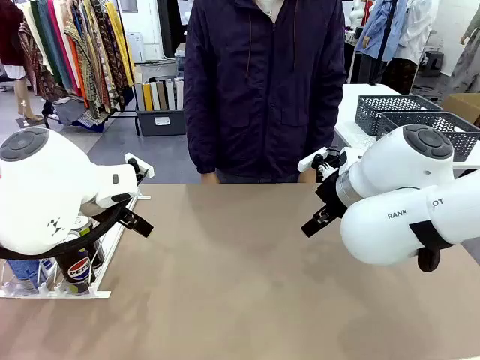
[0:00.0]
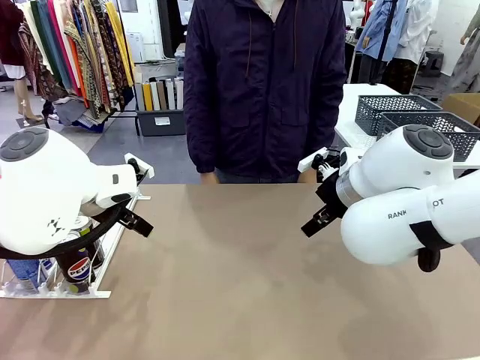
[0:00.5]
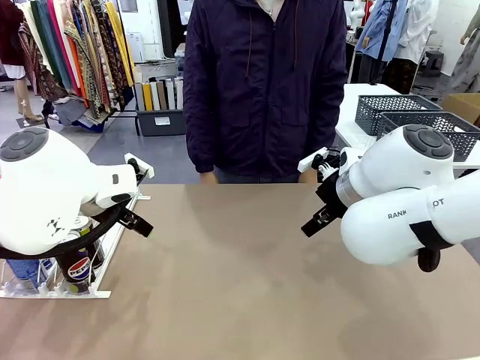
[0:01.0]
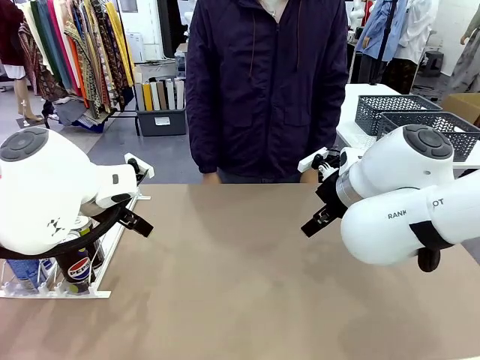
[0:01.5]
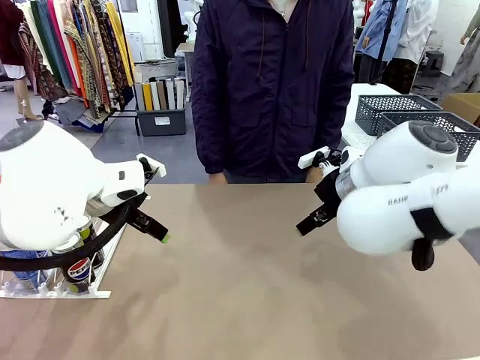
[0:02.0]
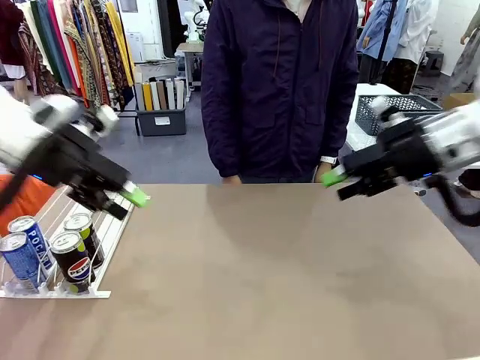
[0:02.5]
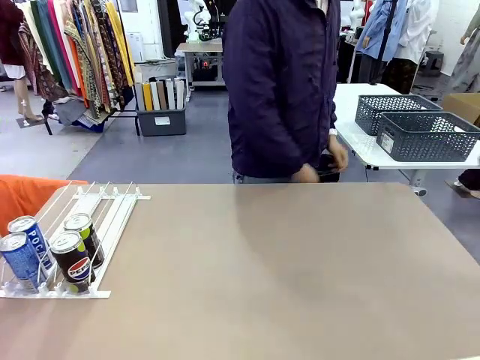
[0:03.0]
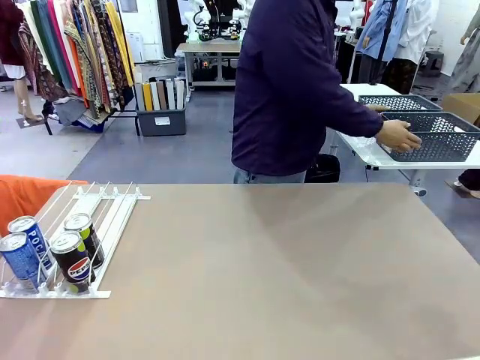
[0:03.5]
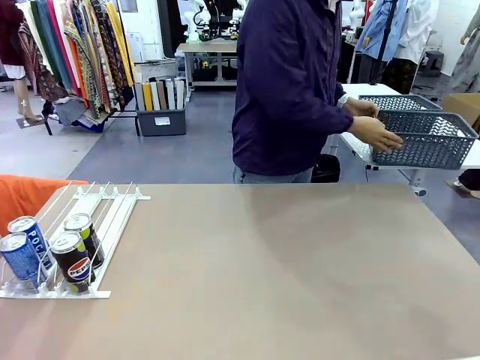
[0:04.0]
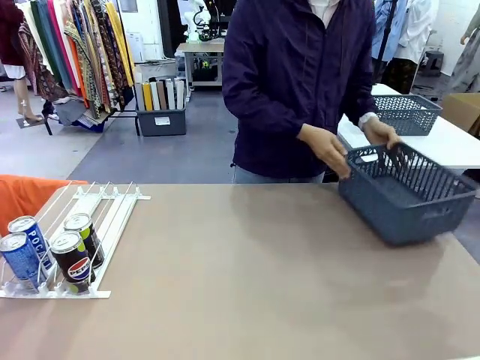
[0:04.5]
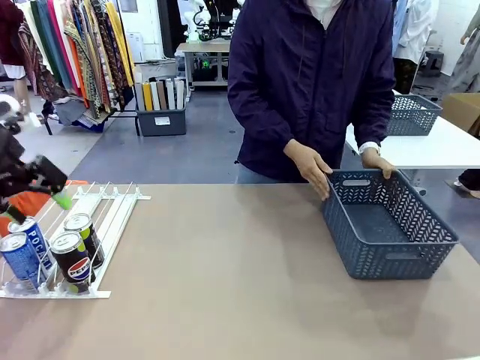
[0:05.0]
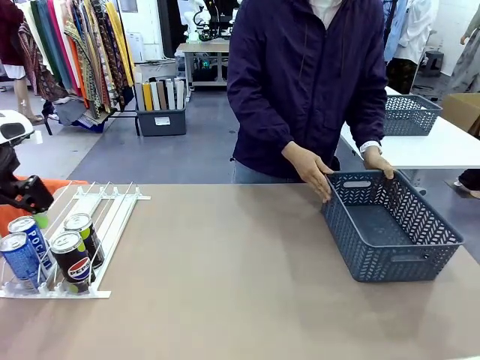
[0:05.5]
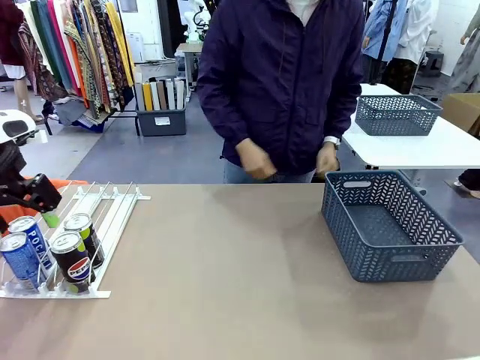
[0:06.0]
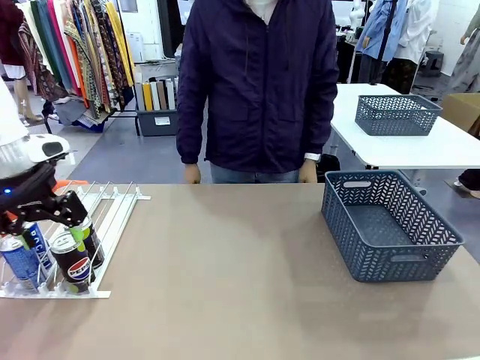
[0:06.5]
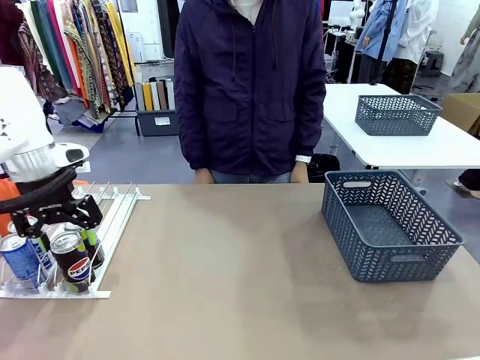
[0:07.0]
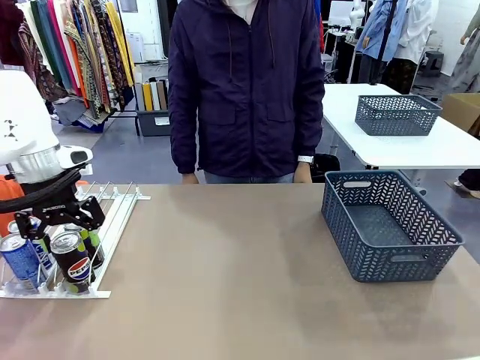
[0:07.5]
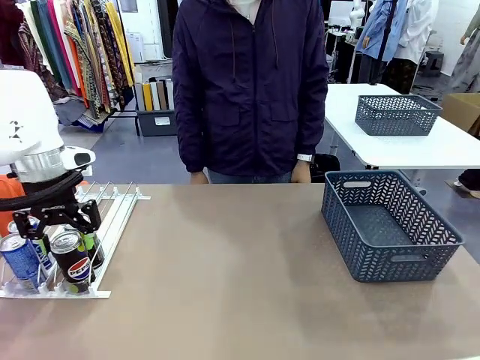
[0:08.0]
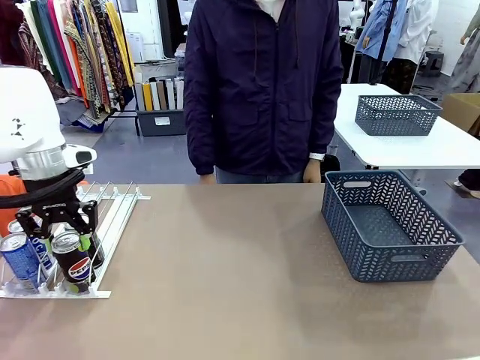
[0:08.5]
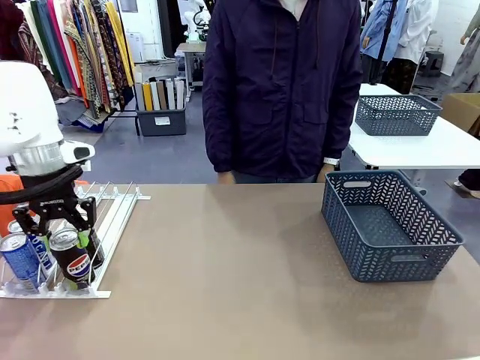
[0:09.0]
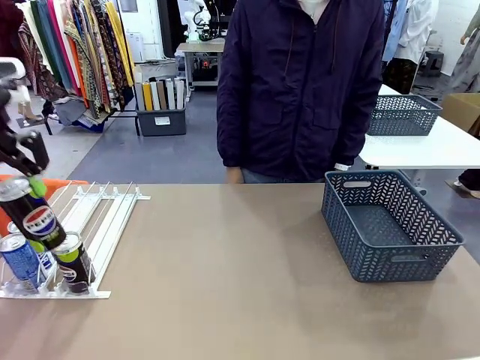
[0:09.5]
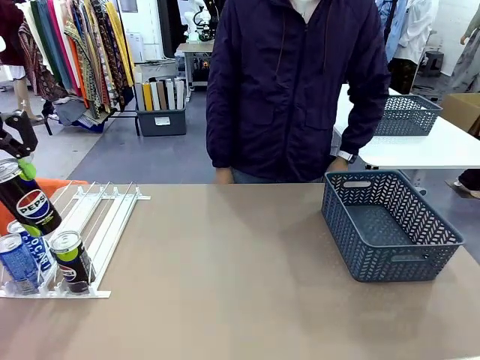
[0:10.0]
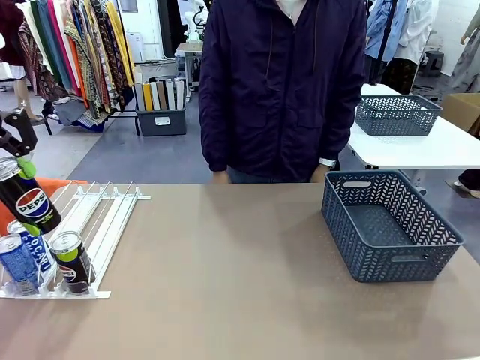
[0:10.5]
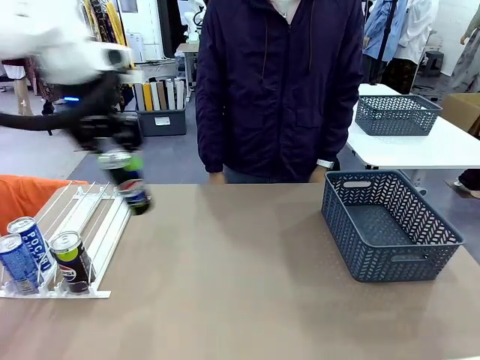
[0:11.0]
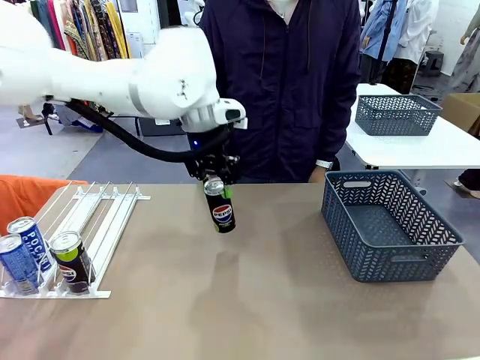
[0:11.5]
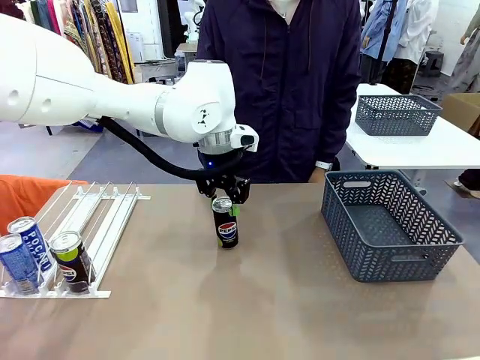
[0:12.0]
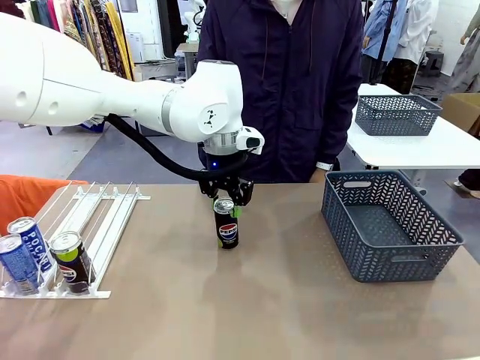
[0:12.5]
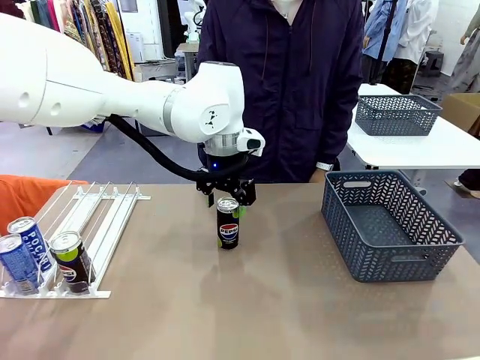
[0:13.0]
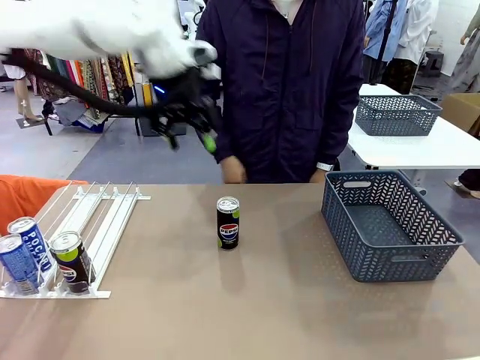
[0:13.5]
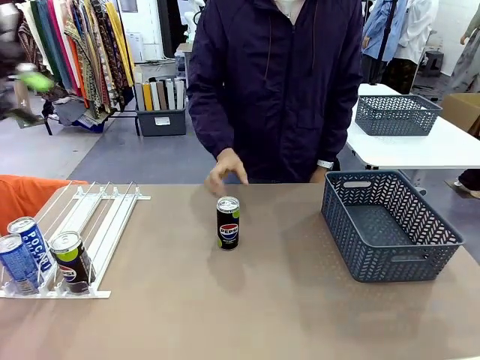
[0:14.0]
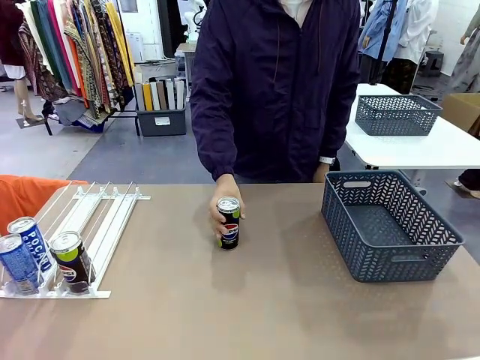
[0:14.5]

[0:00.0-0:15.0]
Task: Retrieve and store the cans from the dispenser.
Robot: Pick up one can from the Automatic Can Dispenser and place it in the middle of the table.
Person: Pick up the basket and place it on the left side of the robot table.

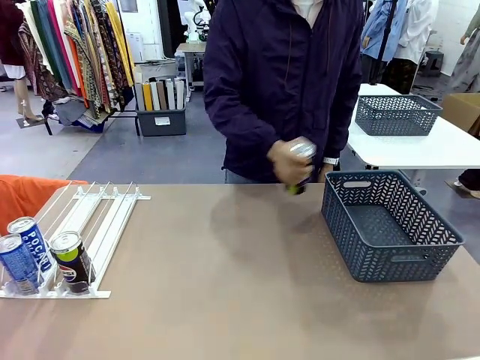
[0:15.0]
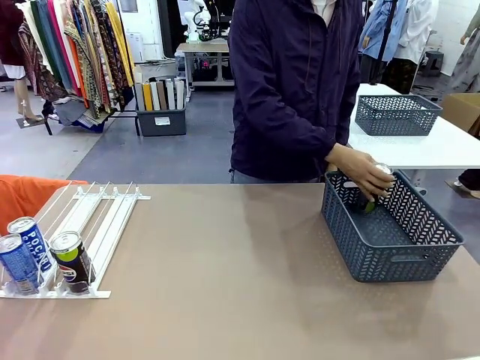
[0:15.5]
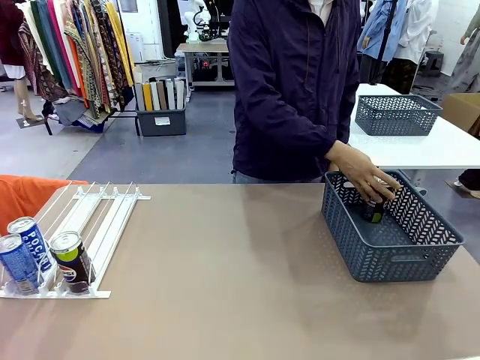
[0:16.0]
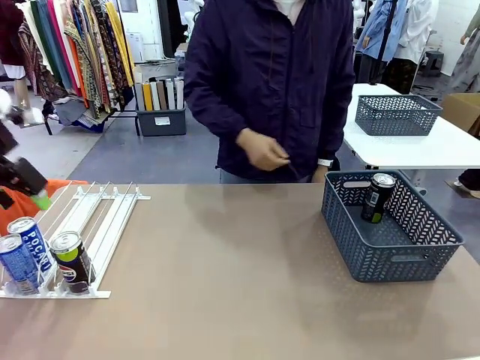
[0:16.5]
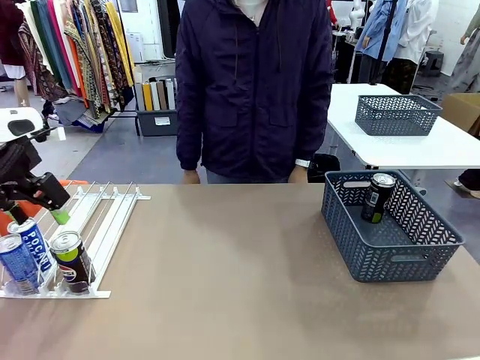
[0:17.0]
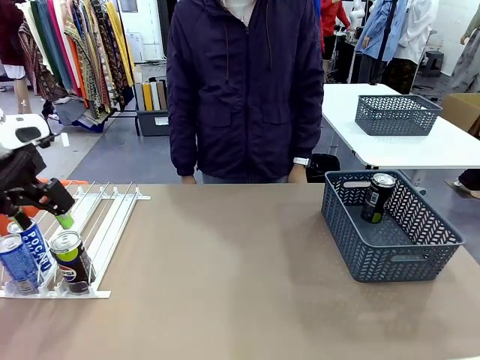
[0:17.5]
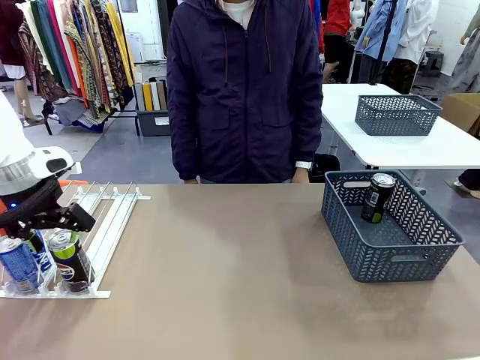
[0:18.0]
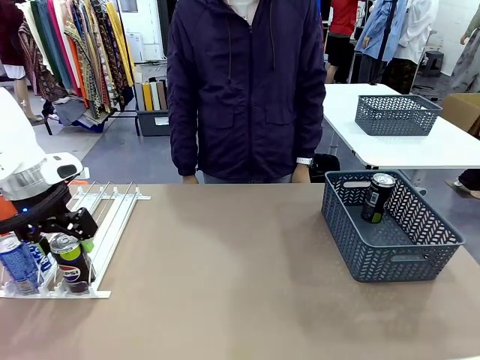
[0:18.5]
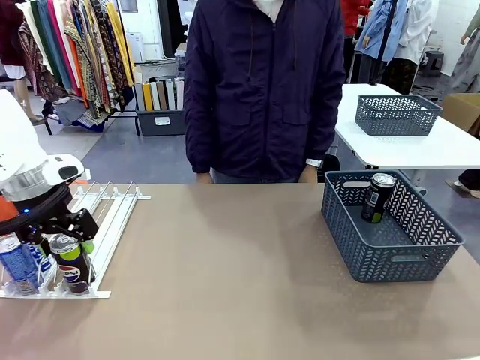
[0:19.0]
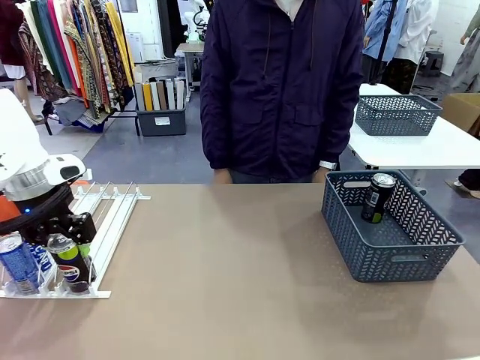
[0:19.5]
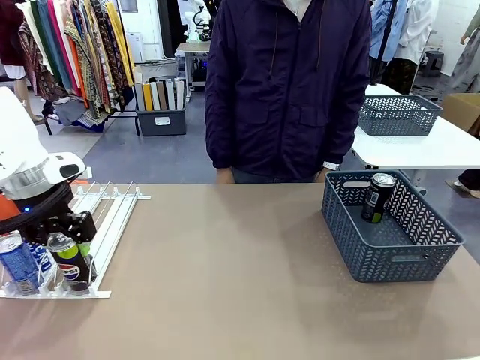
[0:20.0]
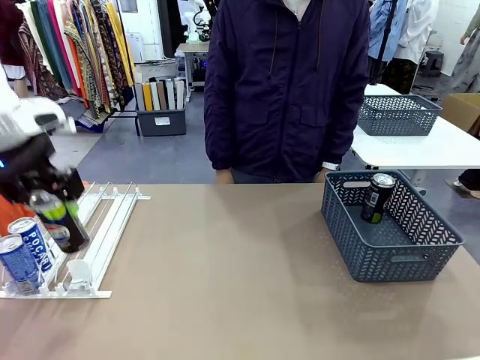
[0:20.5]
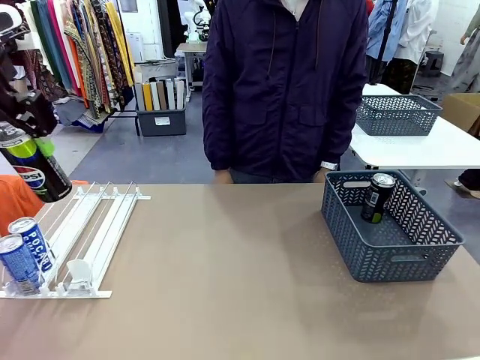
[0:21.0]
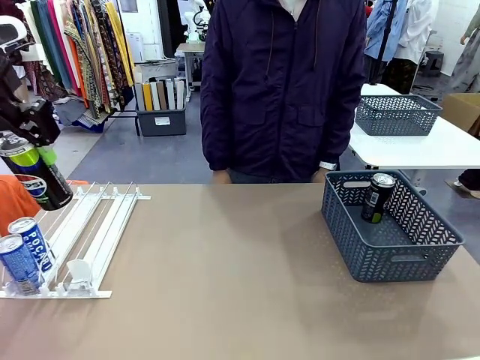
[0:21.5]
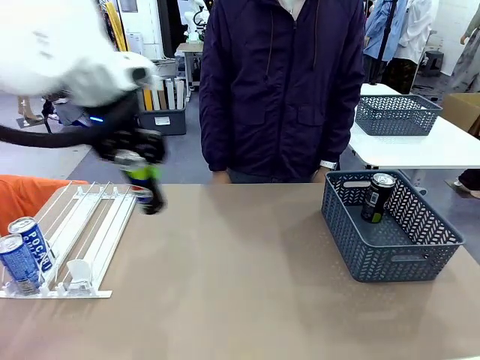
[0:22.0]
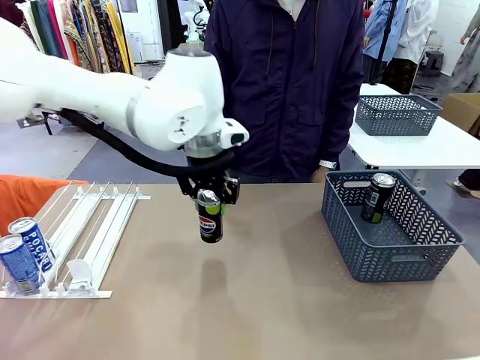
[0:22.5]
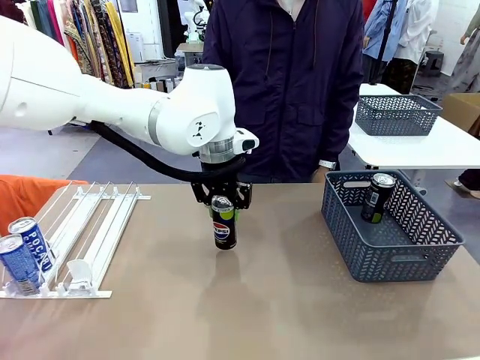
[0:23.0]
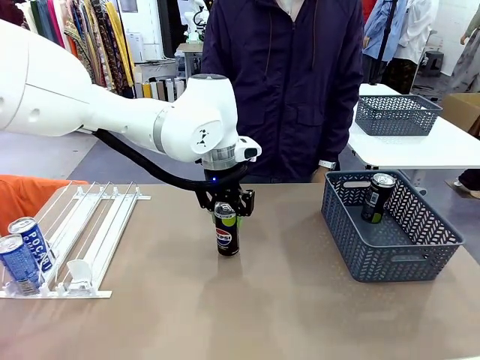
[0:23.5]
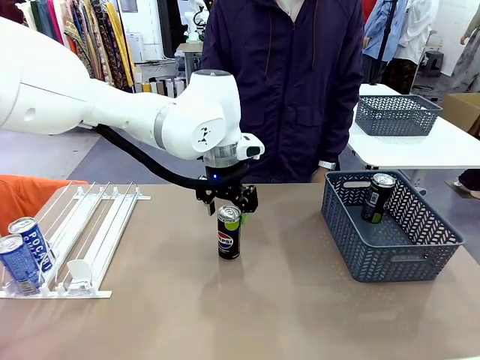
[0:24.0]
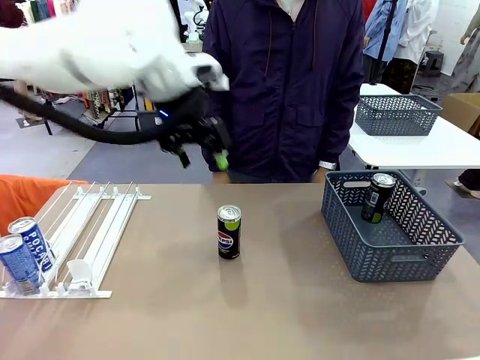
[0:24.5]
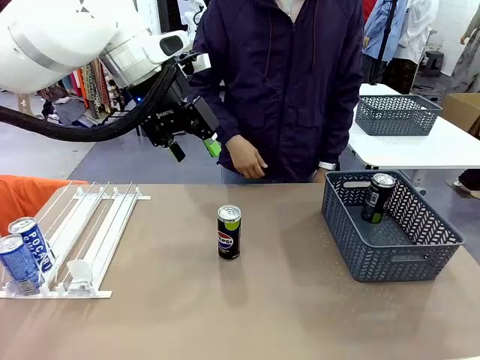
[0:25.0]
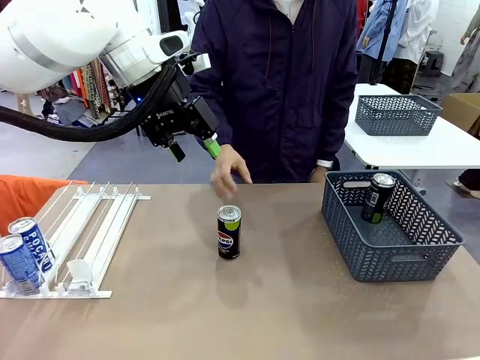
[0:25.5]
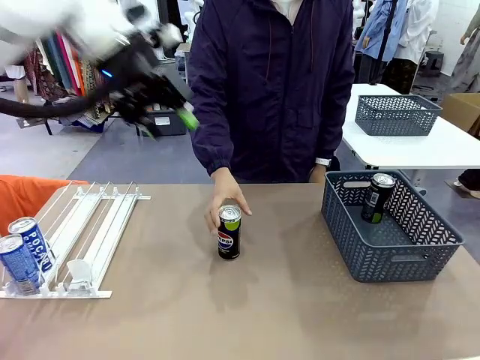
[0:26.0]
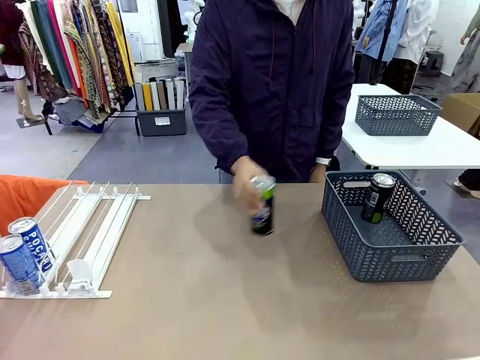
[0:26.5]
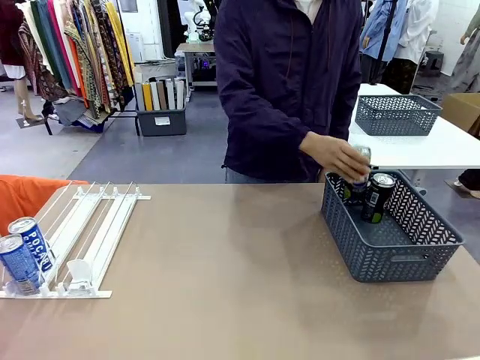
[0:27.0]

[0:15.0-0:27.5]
Robot: Pick up the last remaining can from one row of the Automatic Can Dispenser and place it in the middle of the table.
Person: Pick up one Pepsi can from the middle of the robot table and place it in the basket.
